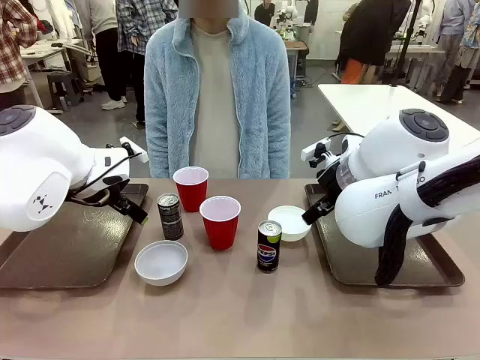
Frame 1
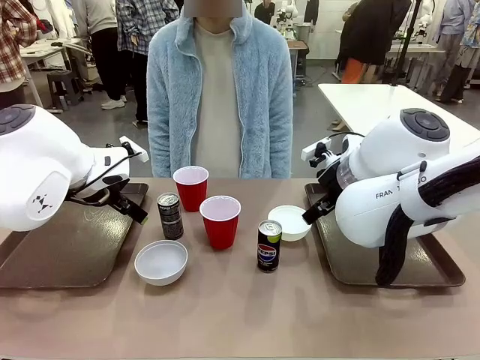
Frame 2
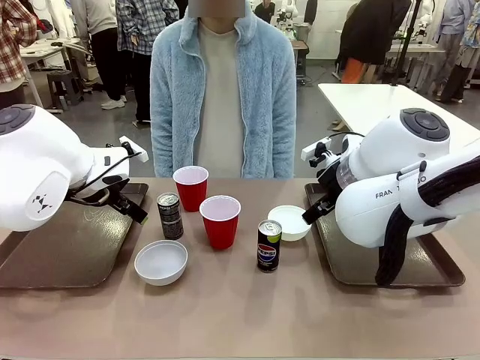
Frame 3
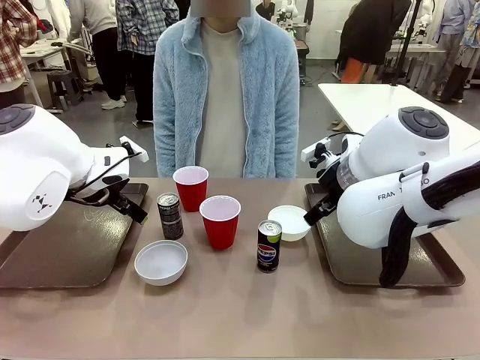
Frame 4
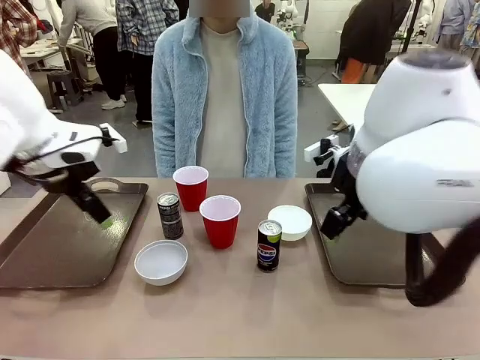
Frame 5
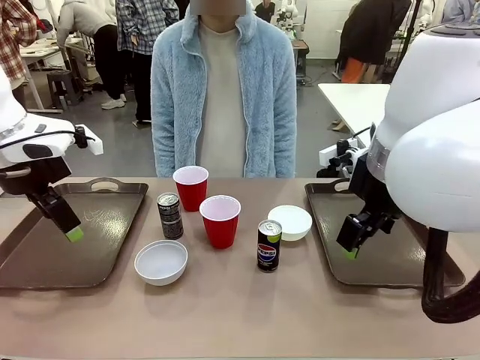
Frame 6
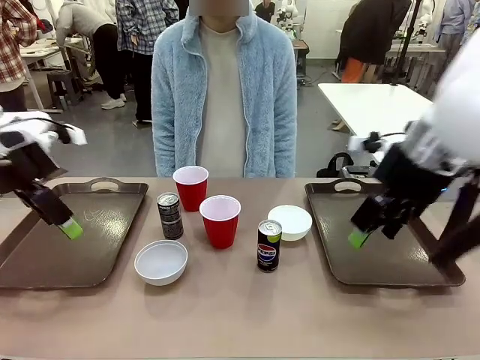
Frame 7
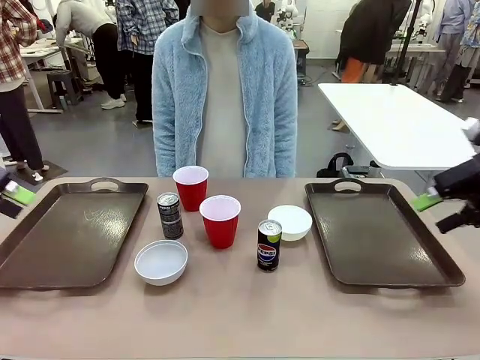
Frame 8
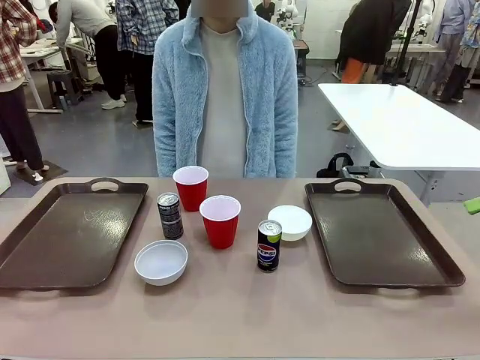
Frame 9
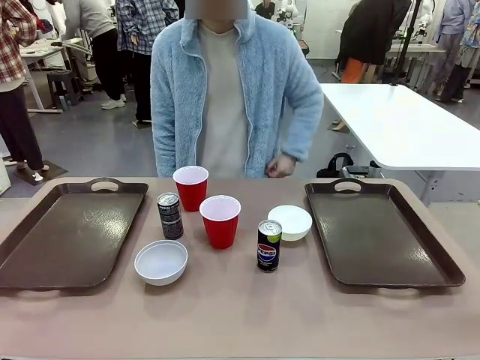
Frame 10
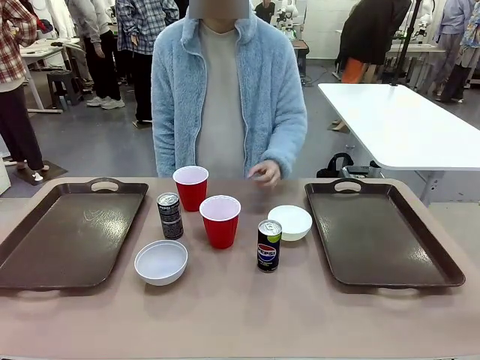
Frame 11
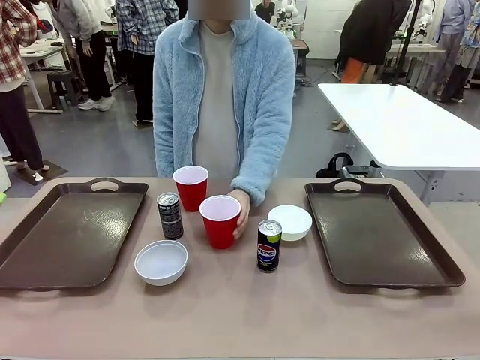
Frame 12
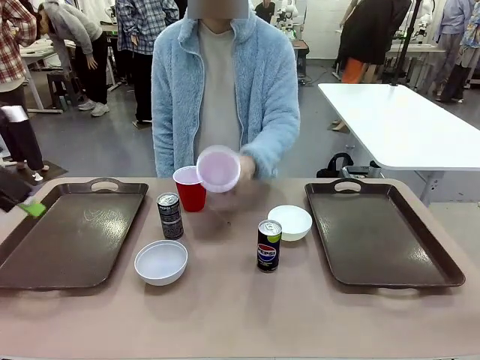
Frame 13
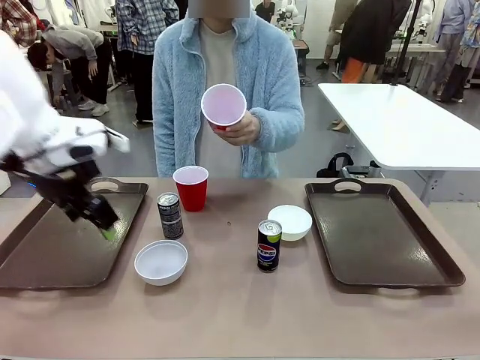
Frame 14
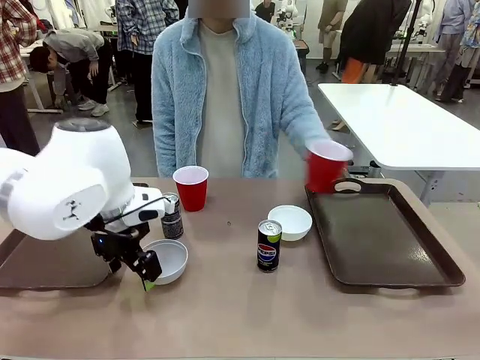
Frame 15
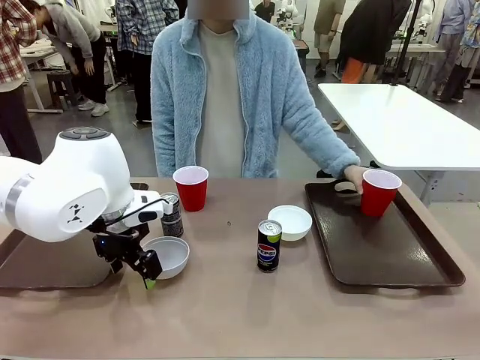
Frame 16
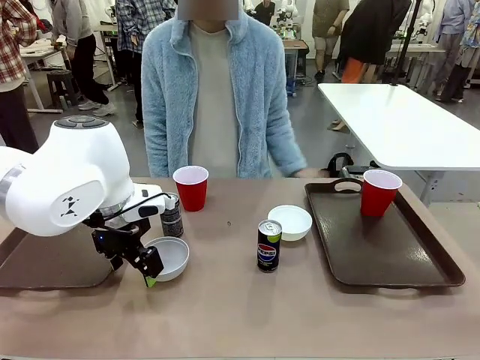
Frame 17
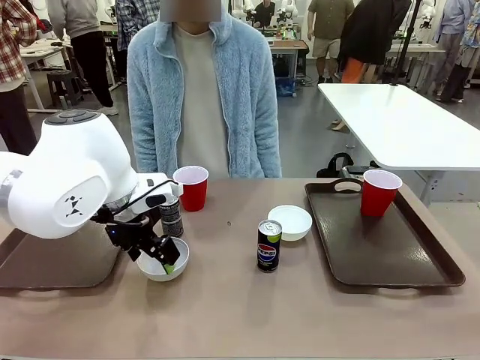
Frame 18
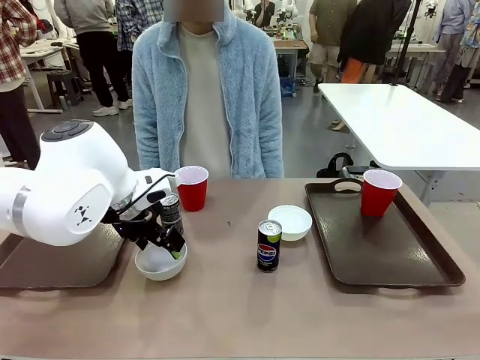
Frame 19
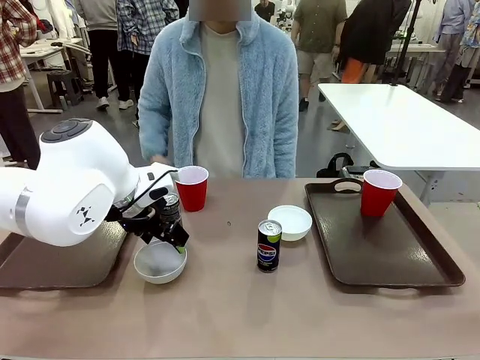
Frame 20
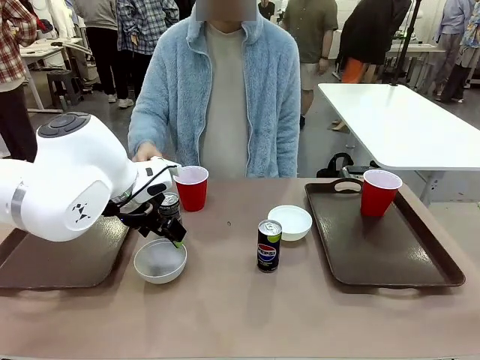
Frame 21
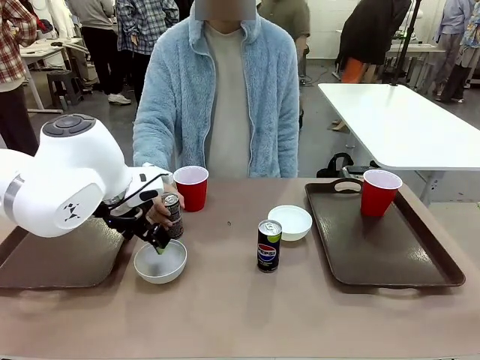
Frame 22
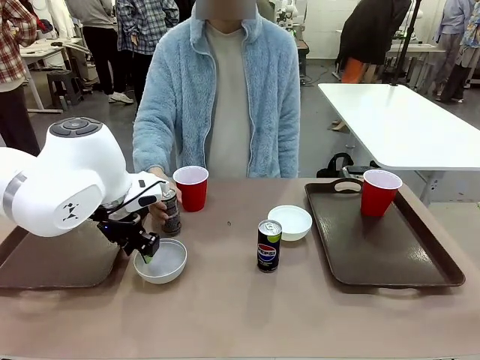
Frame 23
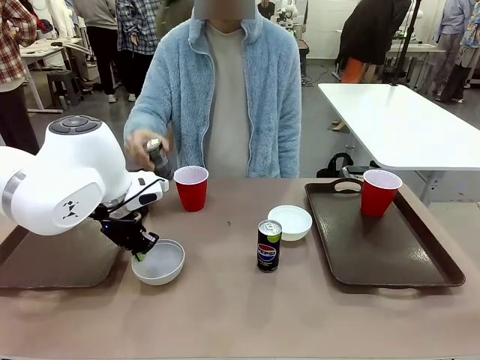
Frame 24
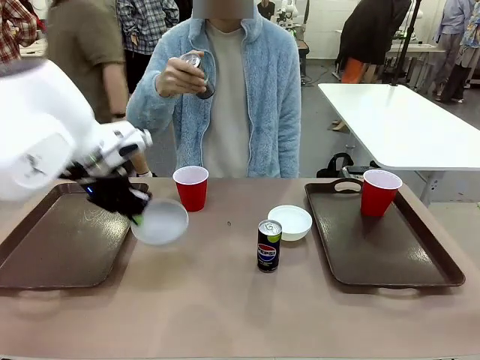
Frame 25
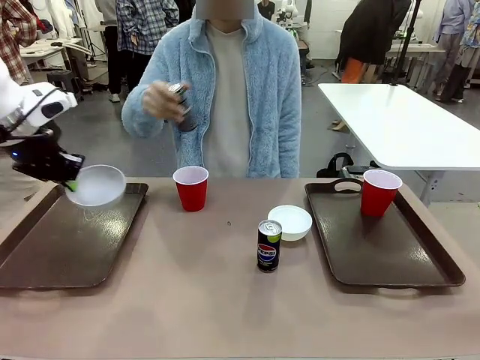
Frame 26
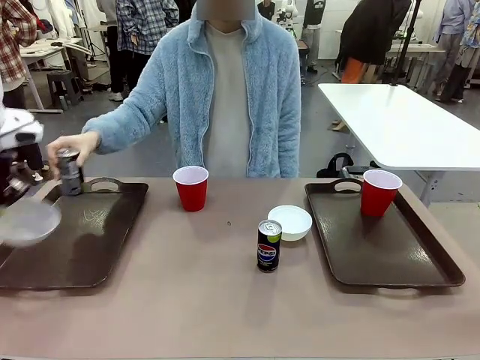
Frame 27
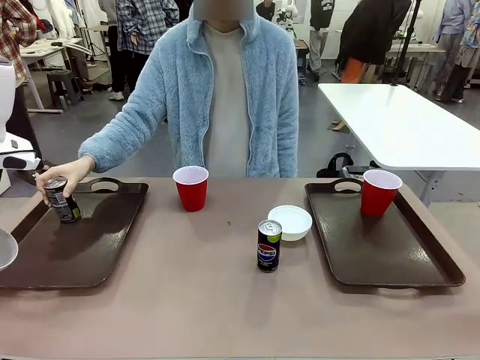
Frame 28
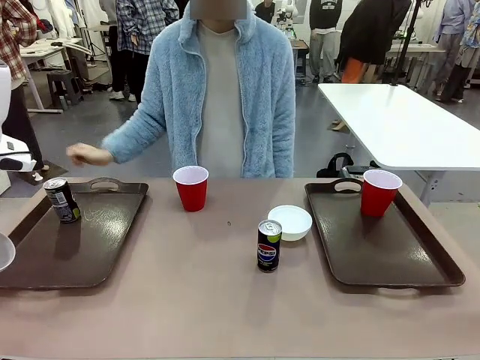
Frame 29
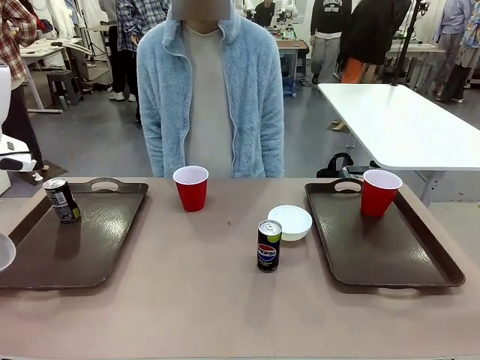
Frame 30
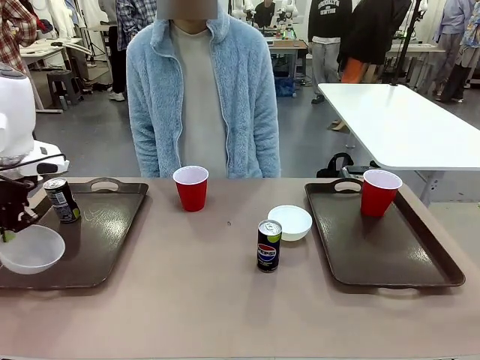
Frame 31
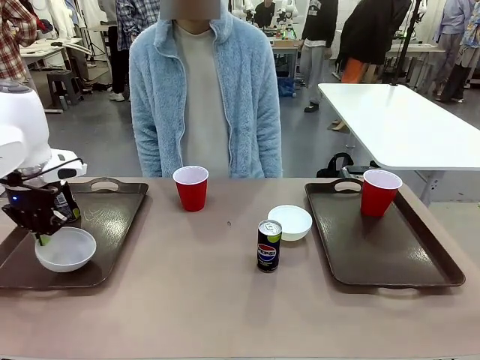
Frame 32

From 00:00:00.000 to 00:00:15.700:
Task: Prepare tableware on both trays.
Robot: Pick up a Picnic Bowl from the table and place it on a Handle tray.
Person: Pick up a can or cup and place it on the tray.
